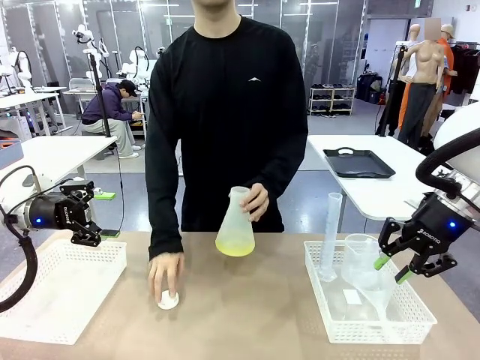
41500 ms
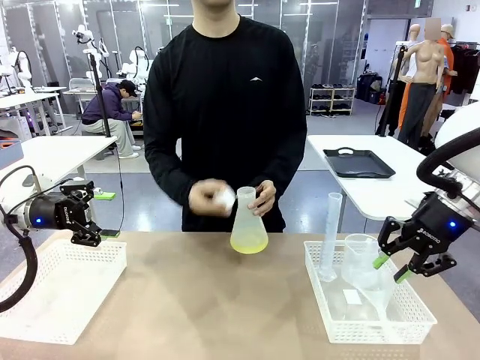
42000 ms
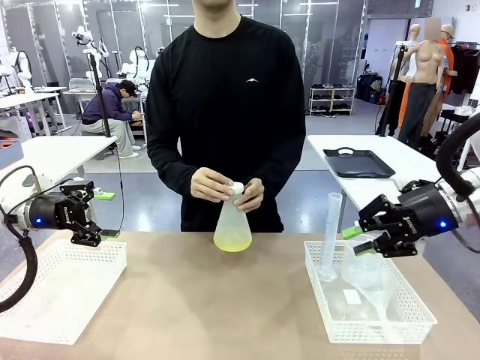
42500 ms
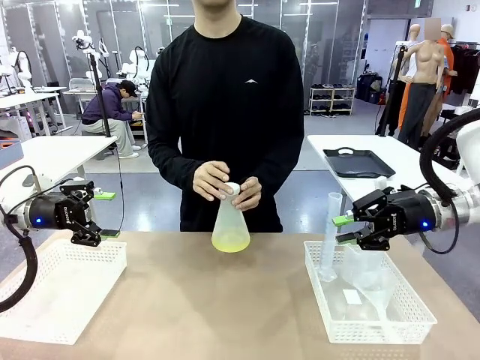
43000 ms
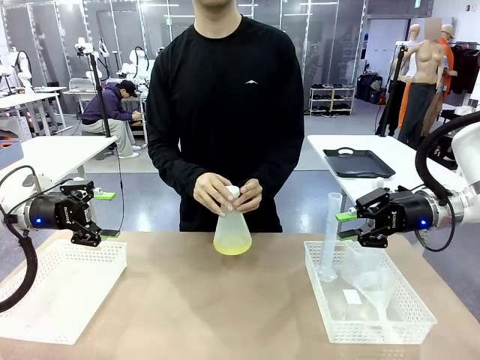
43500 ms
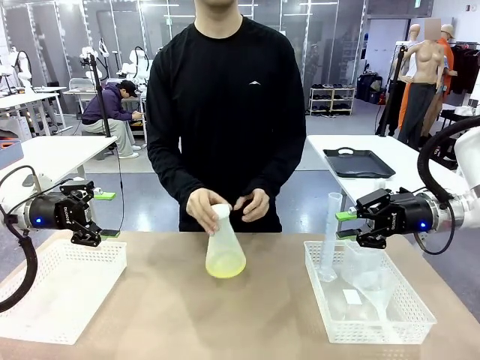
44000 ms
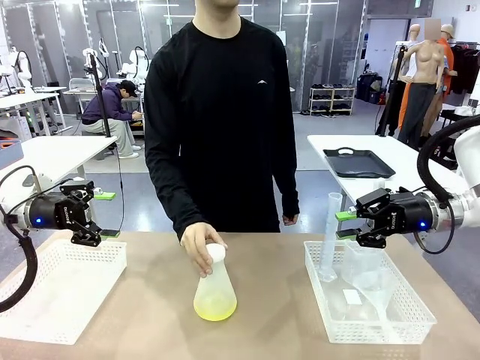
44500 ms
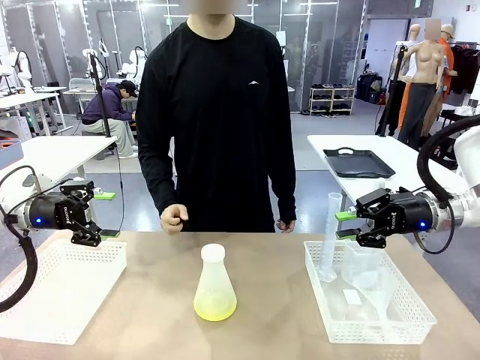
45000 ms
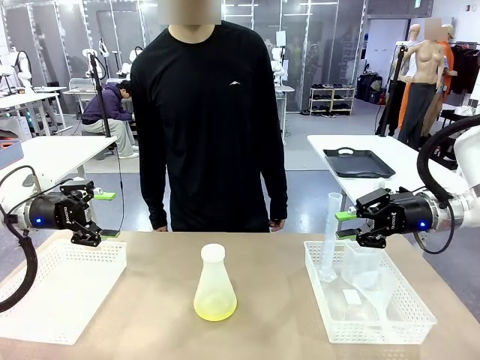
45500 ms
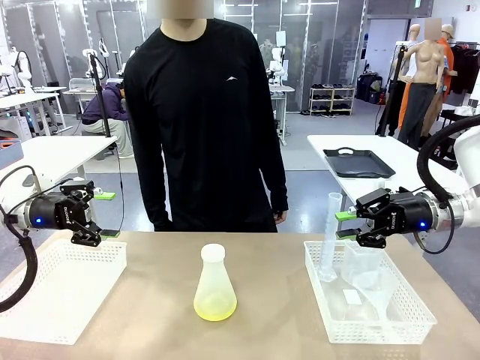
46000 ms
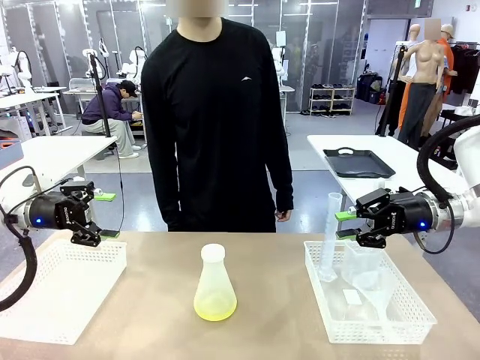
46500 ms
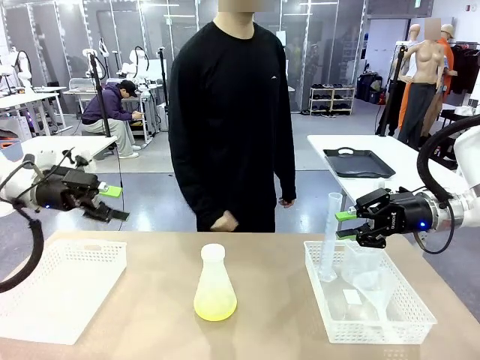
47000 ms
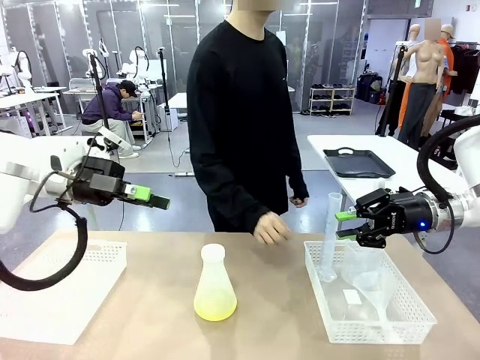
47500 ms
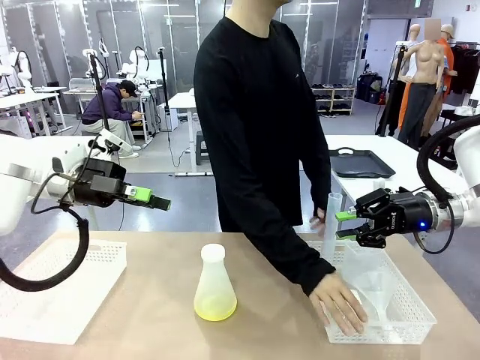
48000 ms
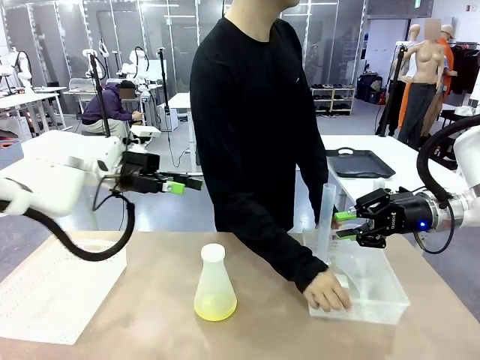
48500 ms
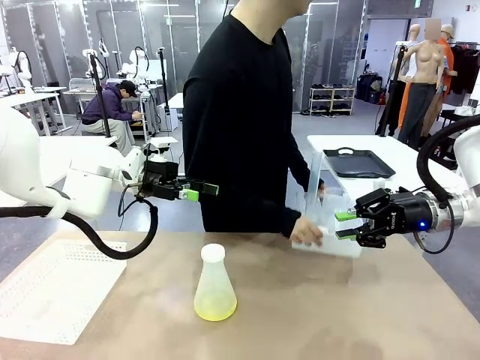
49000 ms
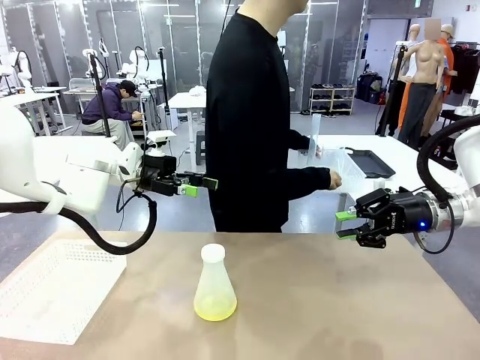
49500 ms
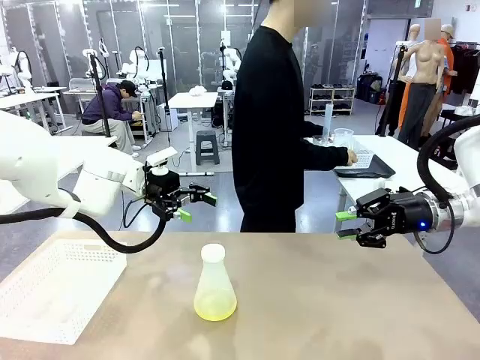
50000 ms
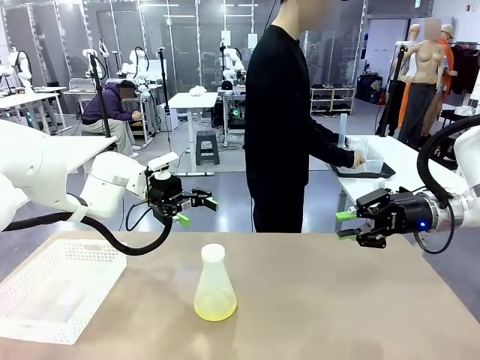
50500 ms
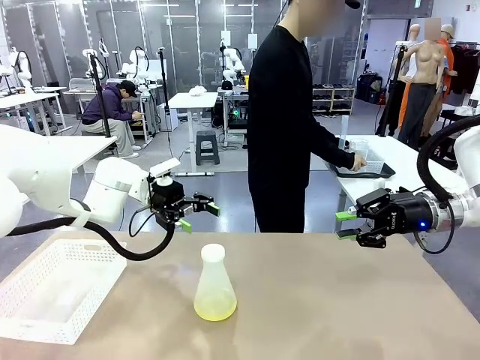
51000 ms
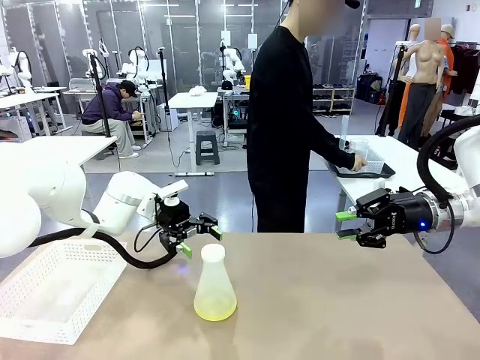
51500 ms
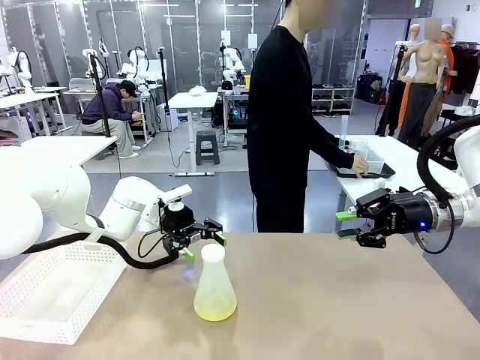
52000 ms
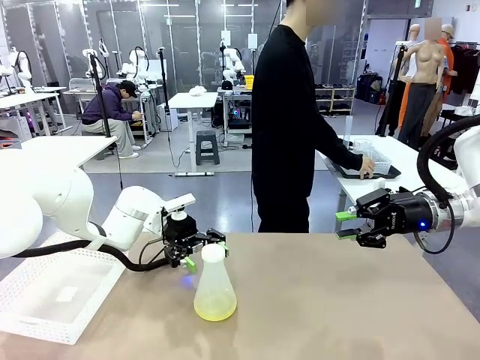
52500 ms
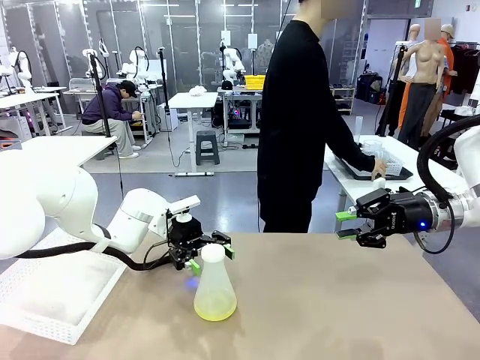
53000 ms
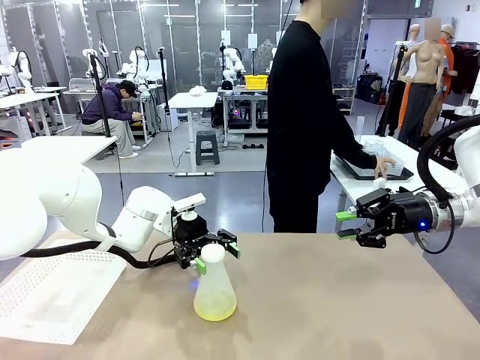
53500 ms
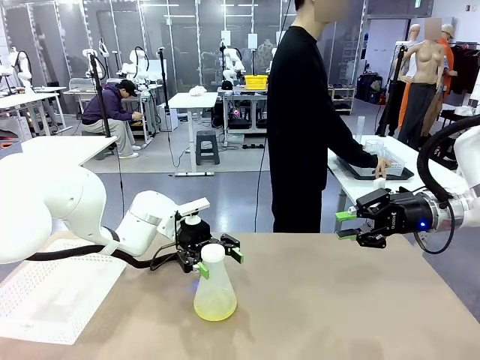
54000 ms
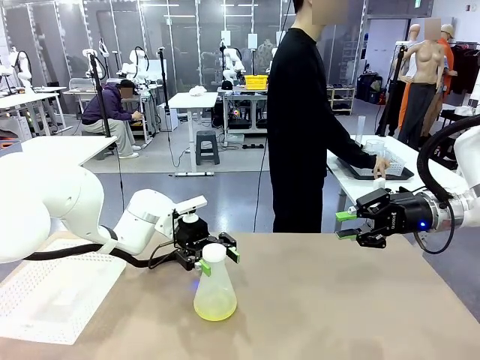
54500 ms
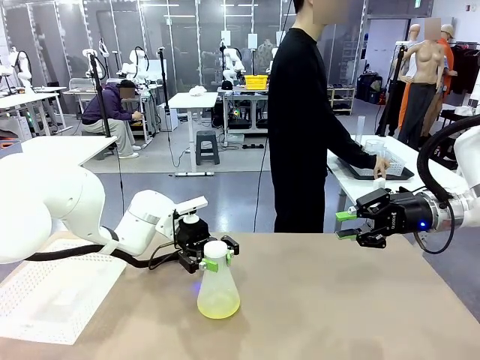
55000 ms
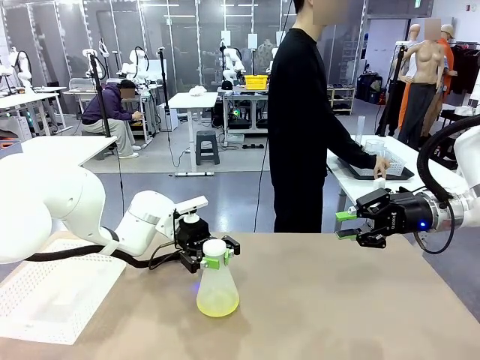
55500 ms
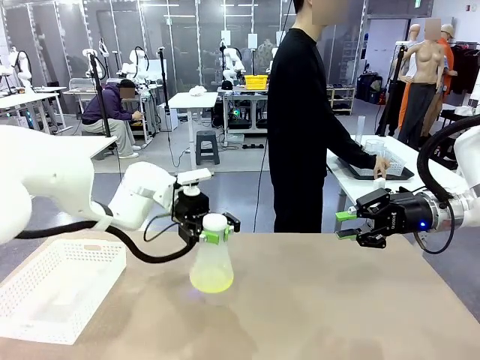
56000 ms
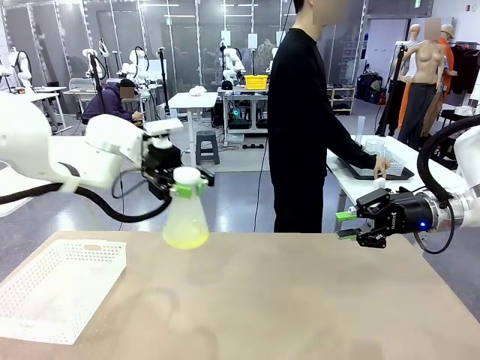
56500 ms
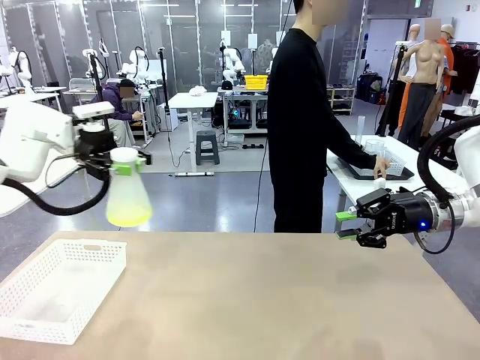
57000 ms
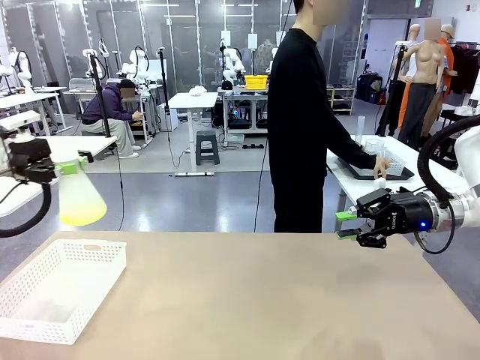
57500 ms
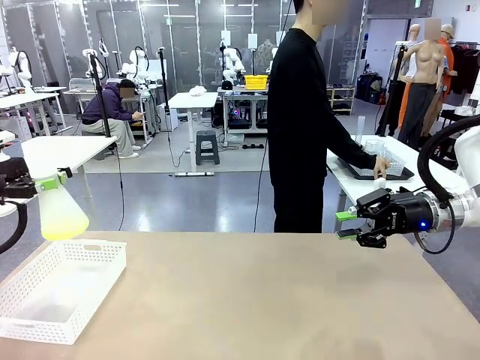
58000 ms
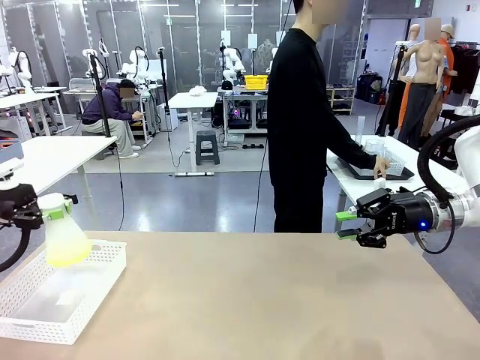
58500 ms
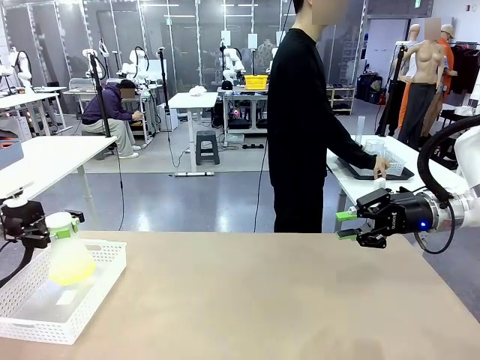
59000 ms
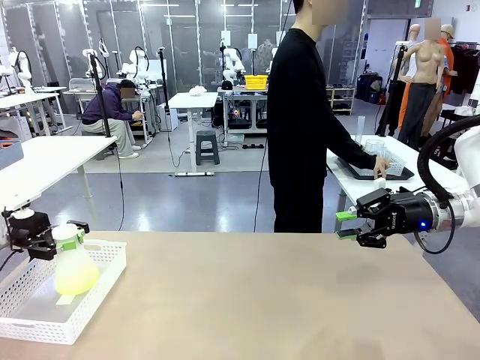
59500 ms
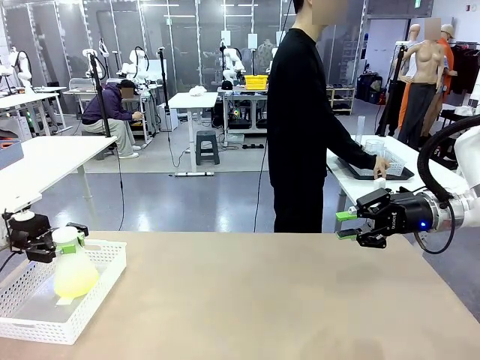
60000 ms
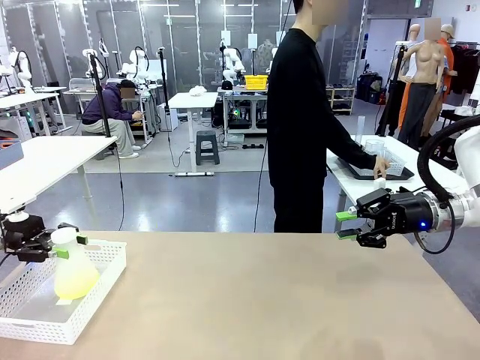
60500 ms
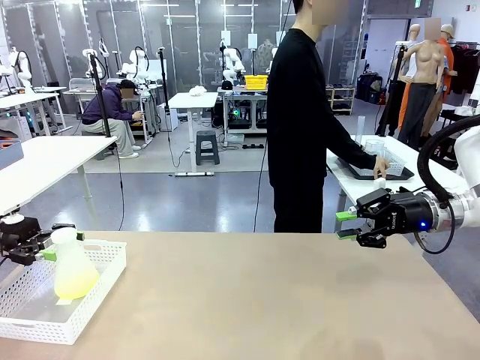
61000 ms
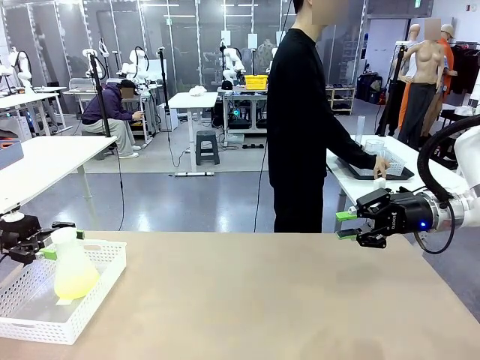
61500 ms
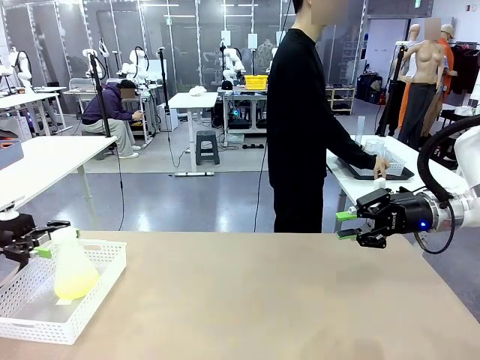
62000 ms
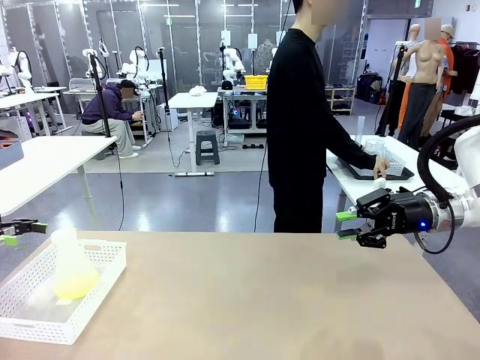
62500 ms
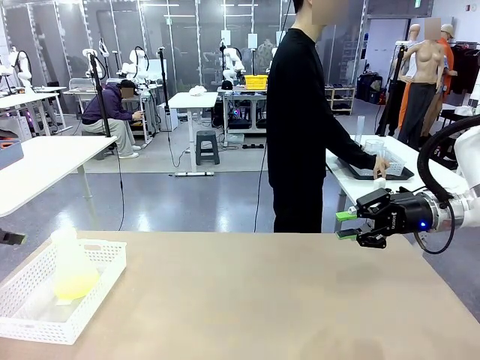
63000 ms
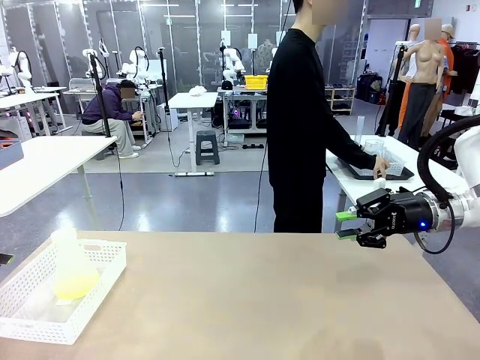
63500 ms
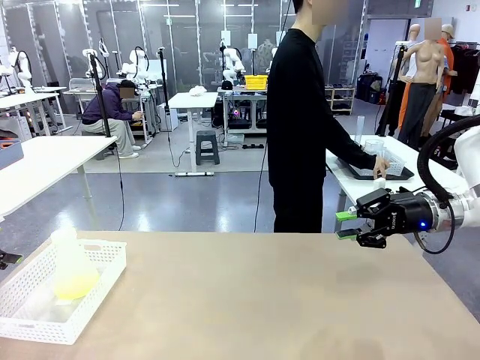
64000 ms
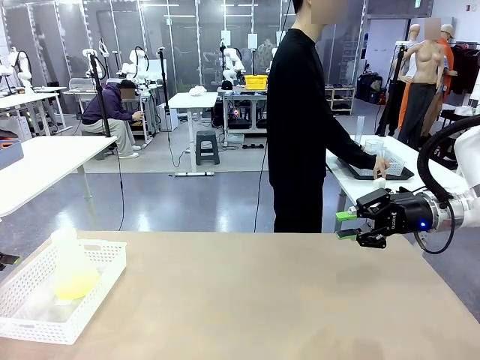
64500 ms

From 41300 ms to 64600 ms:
Task: Prepare the solutions needed for the experiment.
Robot: When the human places the Big flask in the center of the table, pick up the Big flask and place it in the left Organizing basket.
Person: Pick up the organizing basket on the left side of the robot table and place it on the left side of the human table.

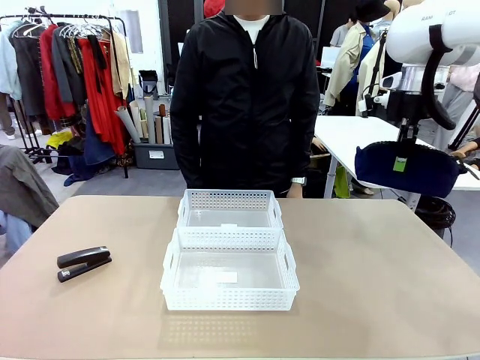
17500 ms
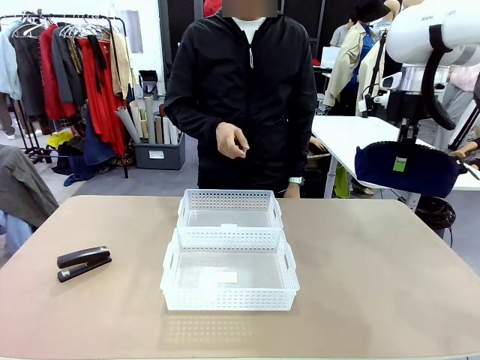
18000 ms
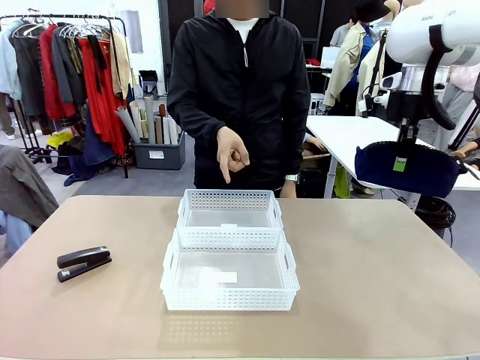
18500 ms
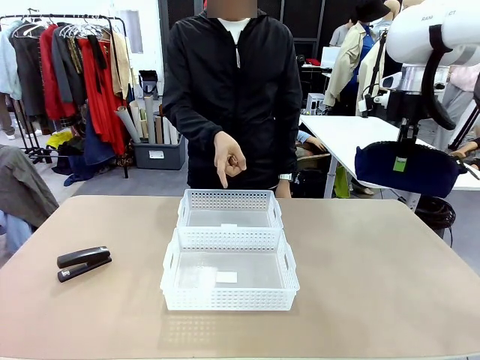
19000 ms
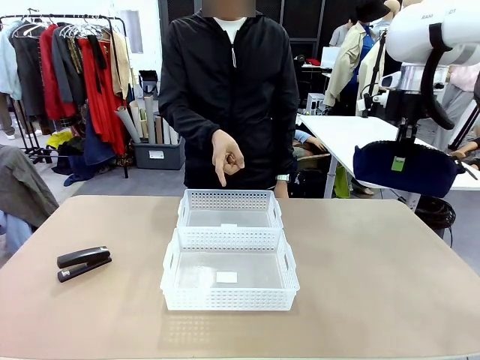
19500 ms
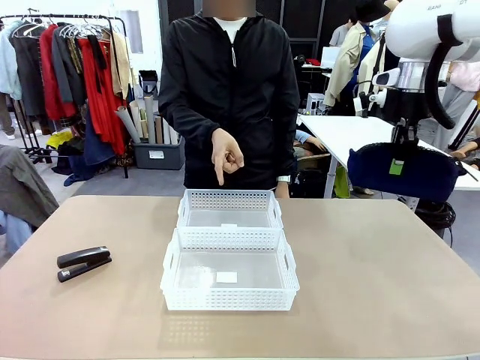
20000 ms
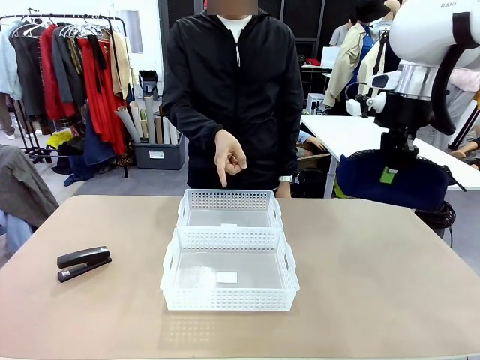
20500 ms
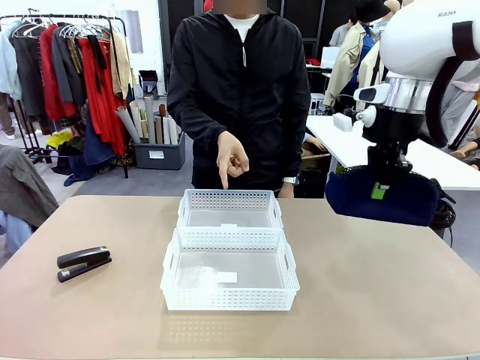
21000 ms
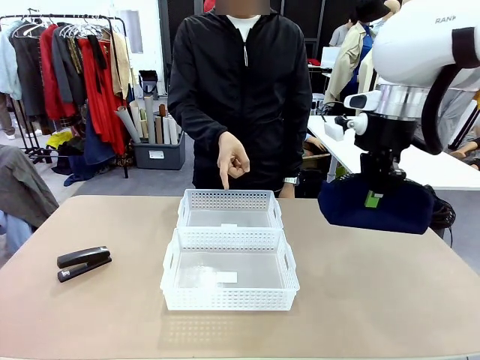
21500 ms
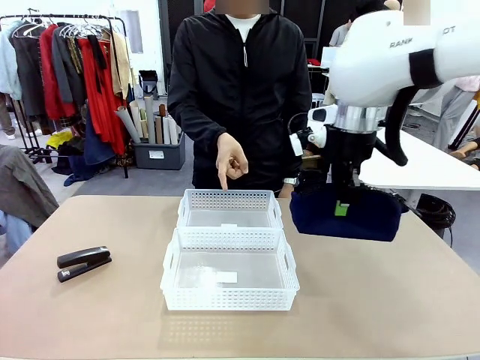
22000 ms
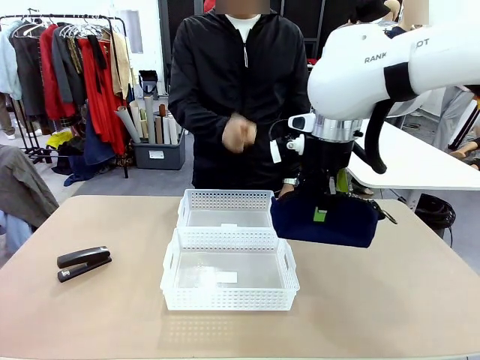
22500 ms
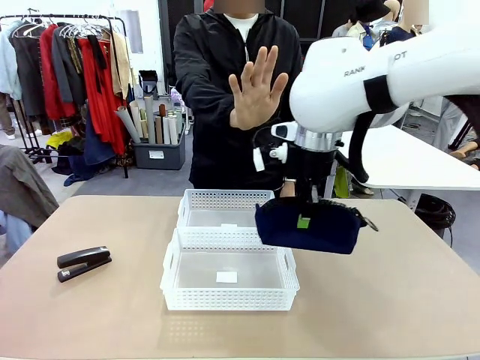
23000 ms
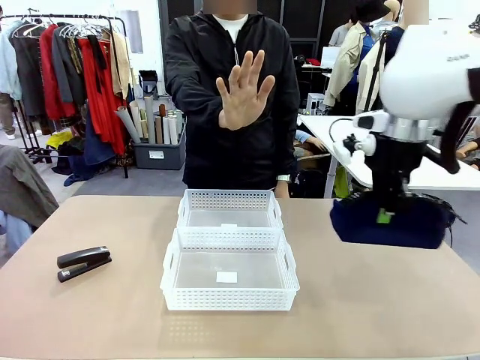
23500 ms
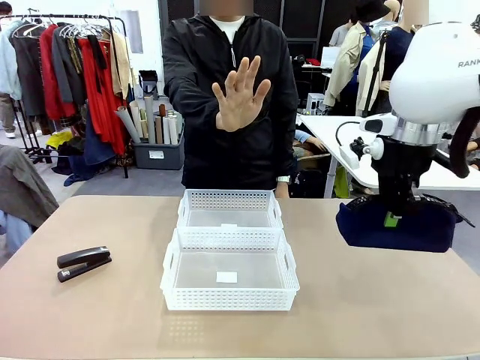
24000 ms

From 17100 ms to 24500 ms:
Task: Distribute items into two baskets.
Robot: Move the picked Pencil pouch towards the Organizing basket indicated by the person, stopping as directed.
Person: Sends a stop gesture before the robot places the pencil case into the basket.
